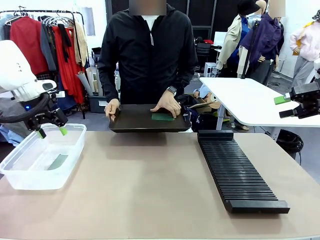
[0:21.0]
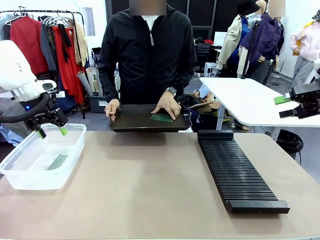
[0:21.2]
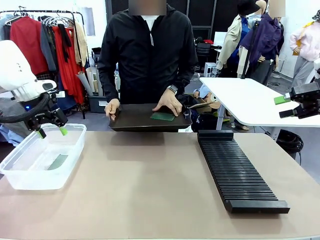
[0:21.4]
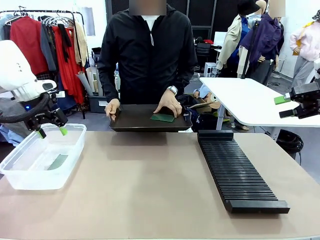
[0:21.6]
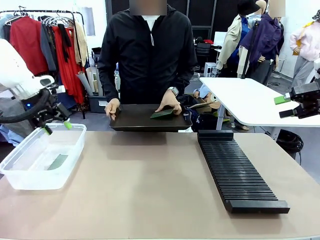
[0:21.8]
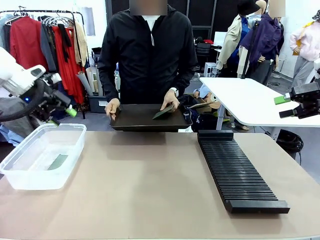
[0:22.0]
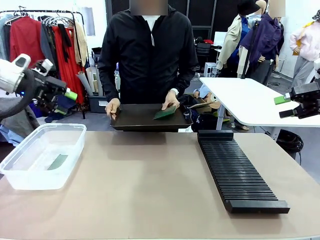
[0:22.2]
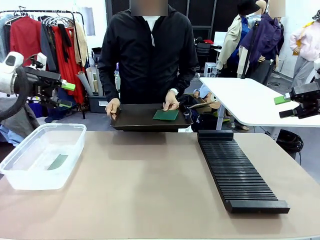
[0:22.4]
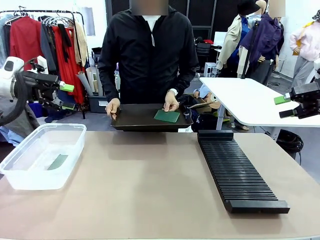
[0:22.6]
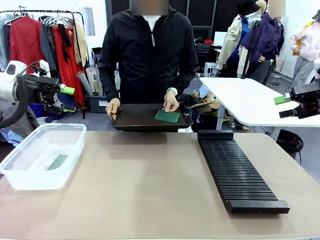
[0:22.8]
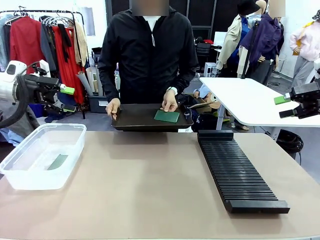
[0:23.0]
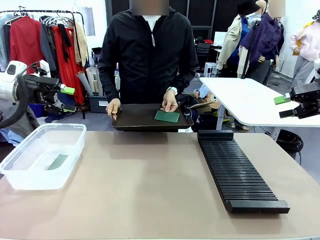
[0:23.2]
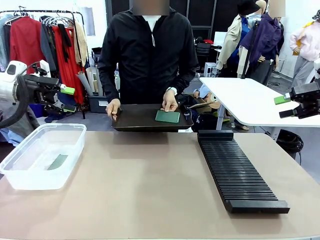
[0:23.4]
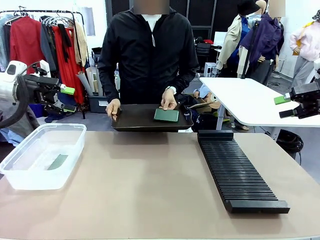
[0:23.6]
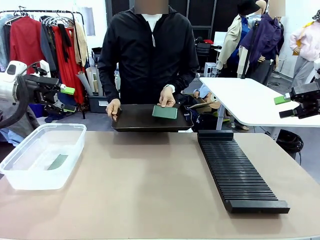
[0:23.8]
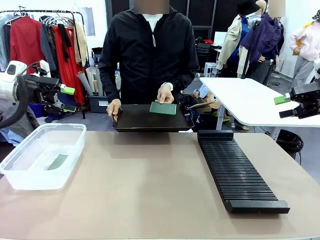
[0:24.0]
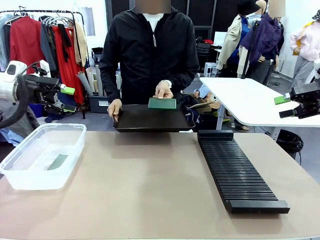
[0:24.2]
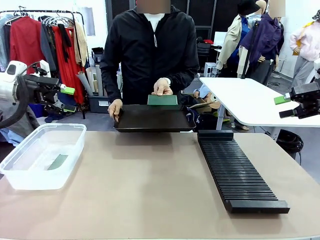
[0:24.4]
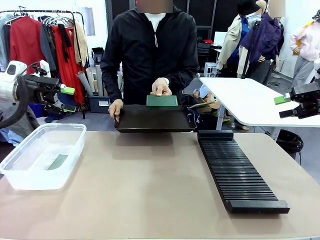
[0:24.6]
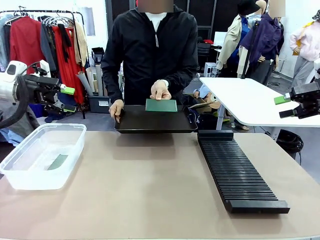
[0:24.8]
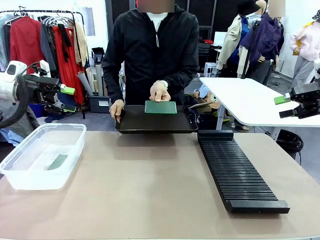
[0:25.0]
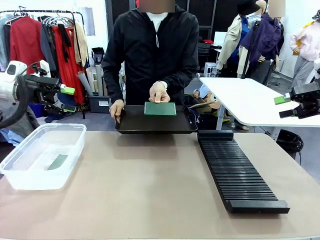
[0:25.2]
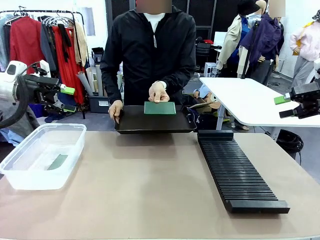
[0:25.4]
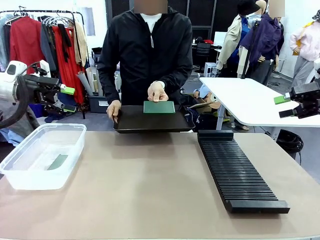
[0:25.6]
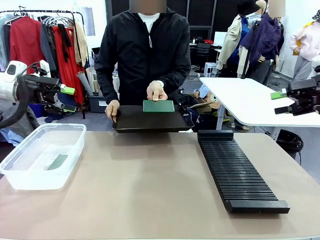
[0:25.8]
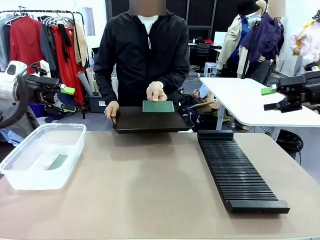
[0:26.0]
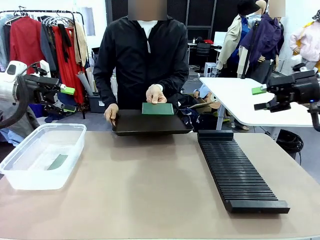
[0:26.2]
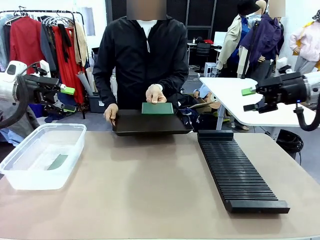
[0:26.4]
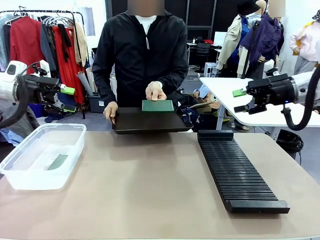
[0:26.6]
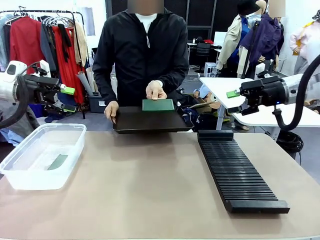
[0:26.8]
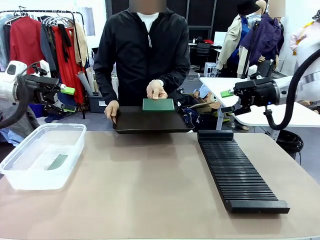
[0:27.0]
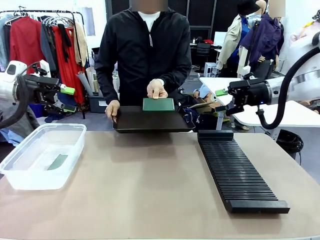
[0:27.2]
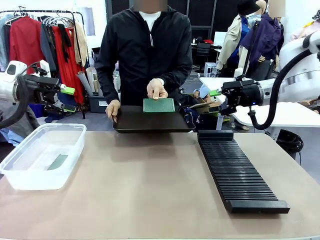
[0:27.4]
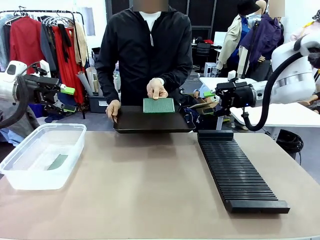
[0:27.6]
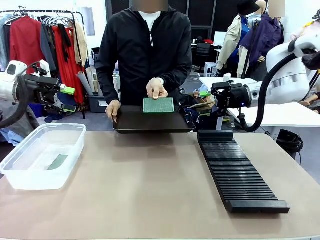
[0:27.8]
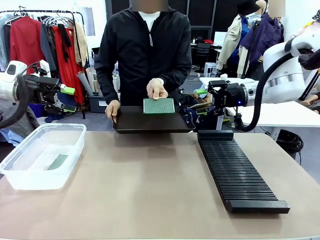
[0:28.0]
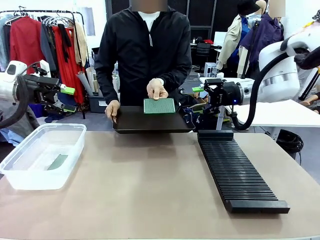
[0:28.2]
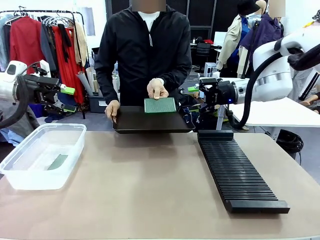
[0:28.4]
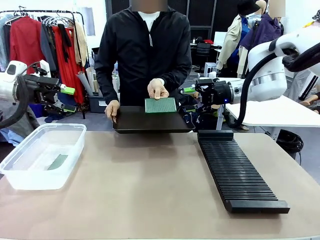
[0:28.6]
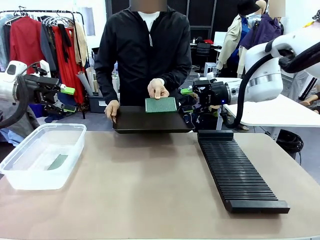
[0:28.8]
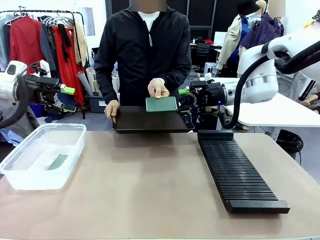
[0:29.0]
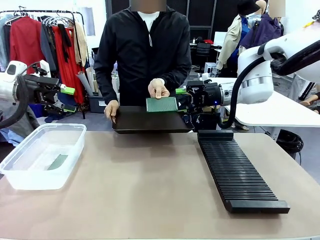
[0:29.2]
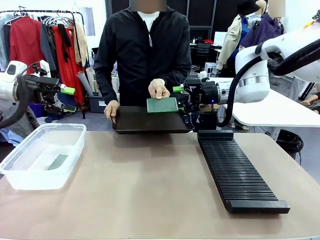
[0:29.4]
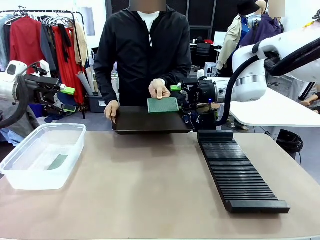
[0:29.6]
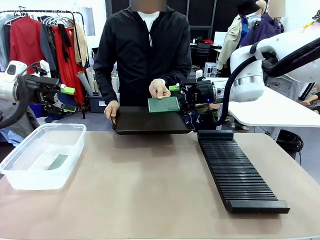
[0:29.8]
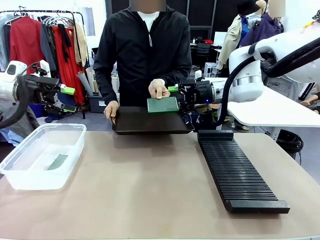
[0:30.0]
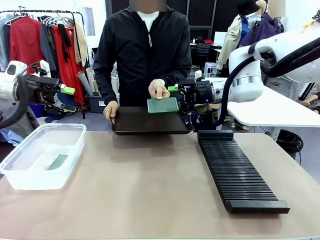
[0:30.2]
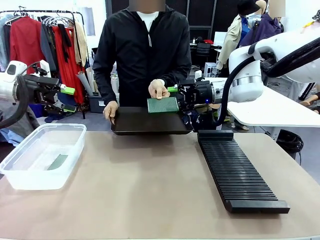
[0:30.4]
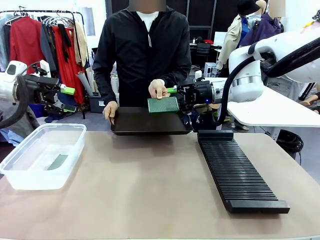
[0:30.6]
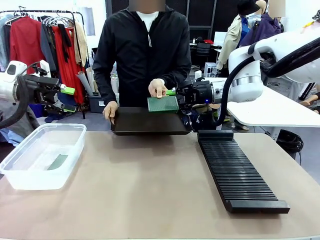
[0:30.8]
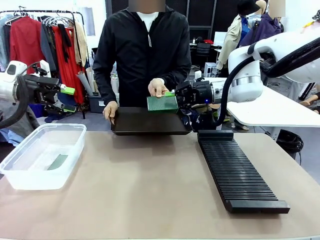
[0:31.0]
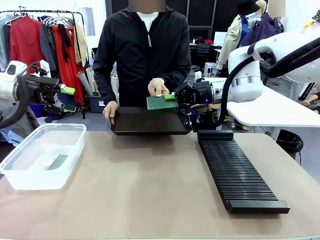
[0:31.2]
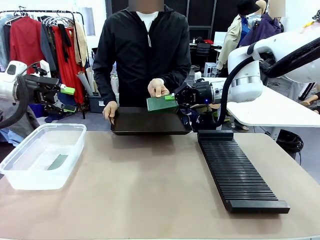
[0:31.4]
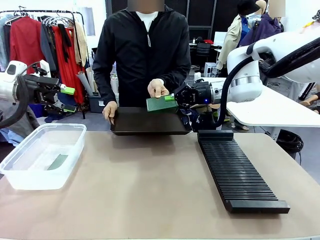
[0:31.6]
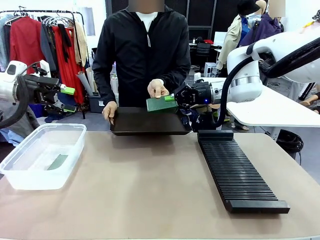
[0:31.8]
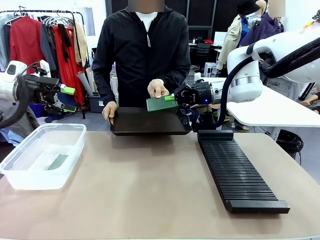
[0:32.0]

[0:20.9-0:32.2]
Task: Sort PCBs into racks and boxes based on the side picked up.
Robot: Pick up the Blank PCB handed by the Human.

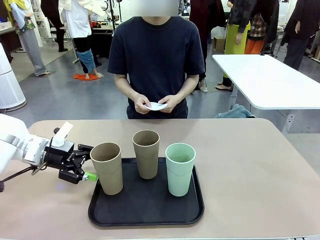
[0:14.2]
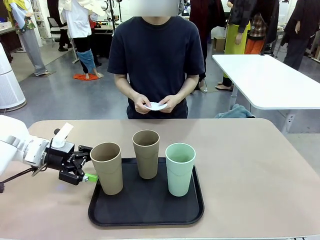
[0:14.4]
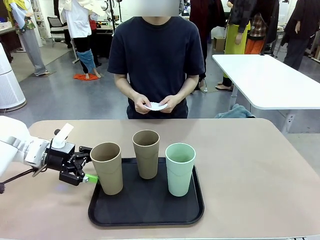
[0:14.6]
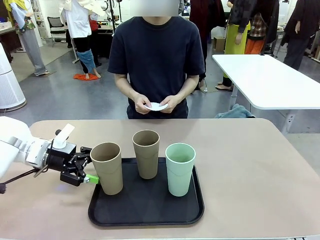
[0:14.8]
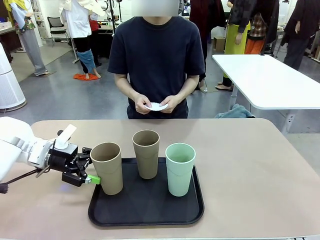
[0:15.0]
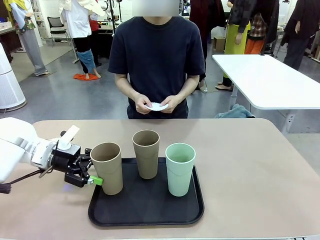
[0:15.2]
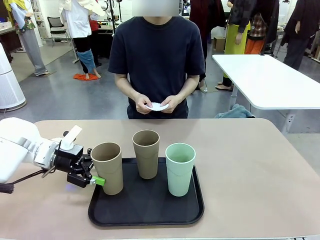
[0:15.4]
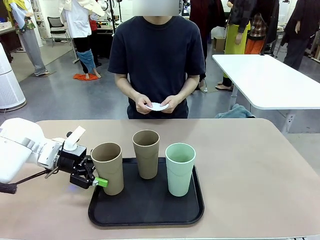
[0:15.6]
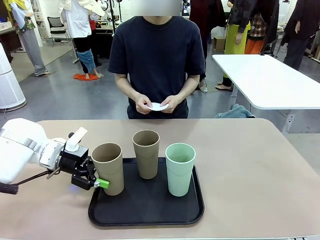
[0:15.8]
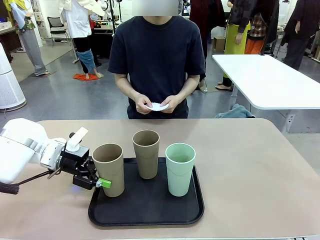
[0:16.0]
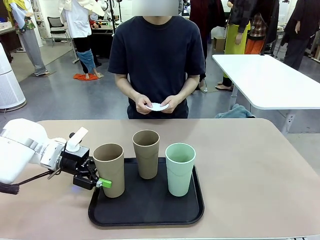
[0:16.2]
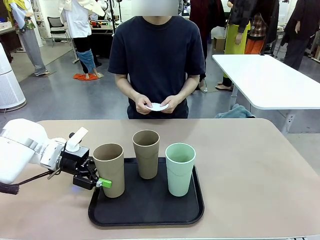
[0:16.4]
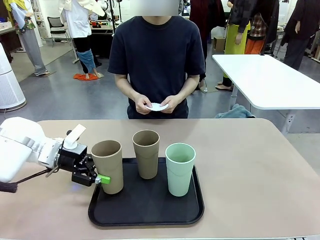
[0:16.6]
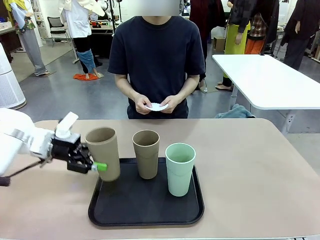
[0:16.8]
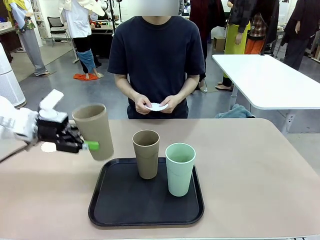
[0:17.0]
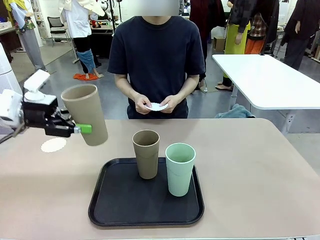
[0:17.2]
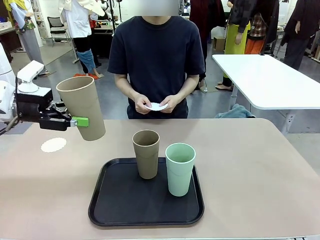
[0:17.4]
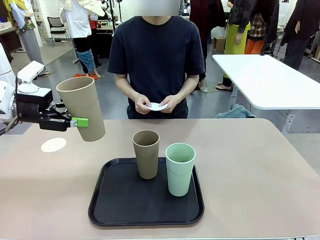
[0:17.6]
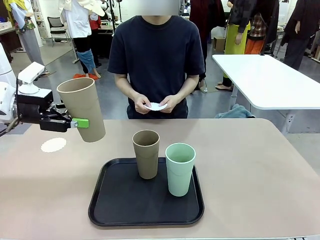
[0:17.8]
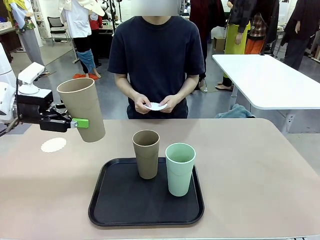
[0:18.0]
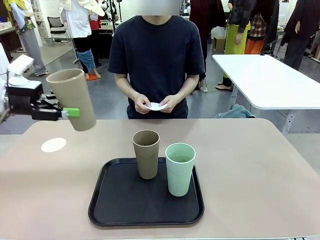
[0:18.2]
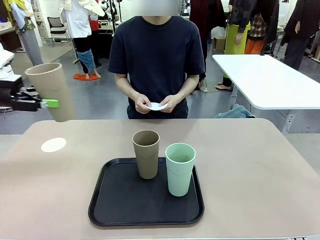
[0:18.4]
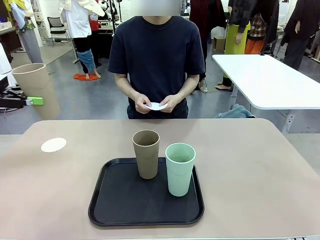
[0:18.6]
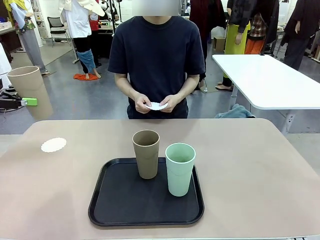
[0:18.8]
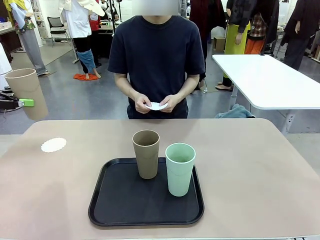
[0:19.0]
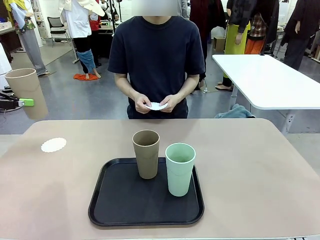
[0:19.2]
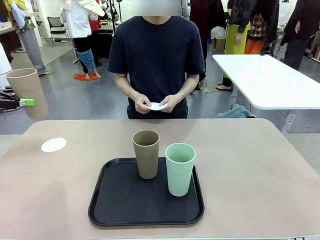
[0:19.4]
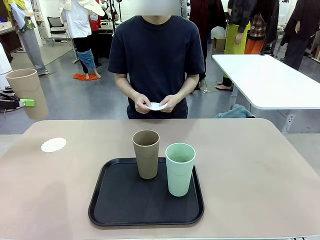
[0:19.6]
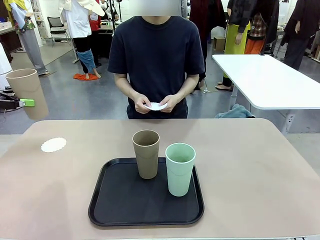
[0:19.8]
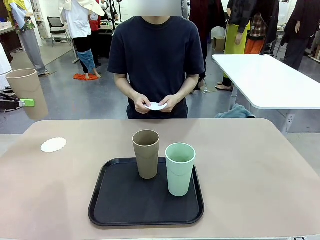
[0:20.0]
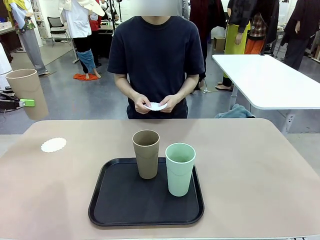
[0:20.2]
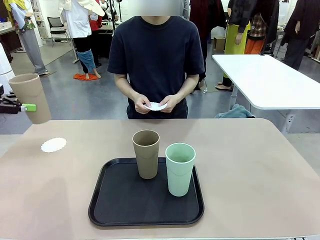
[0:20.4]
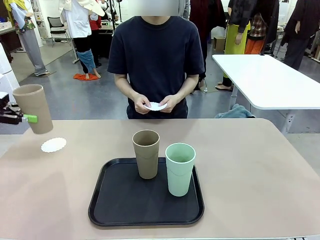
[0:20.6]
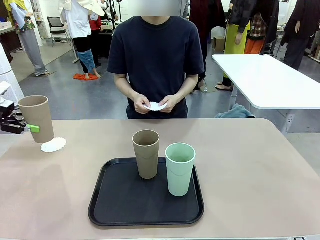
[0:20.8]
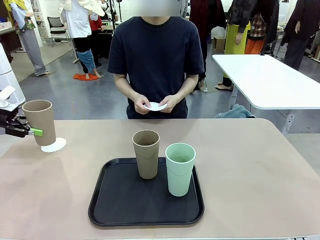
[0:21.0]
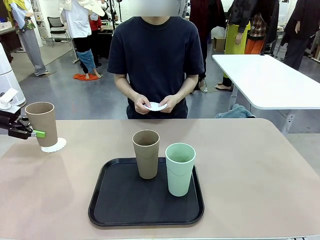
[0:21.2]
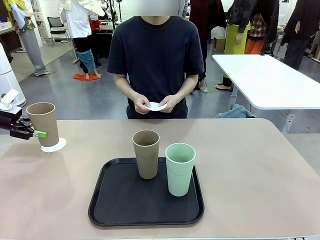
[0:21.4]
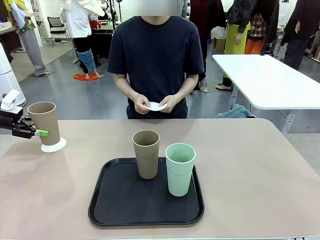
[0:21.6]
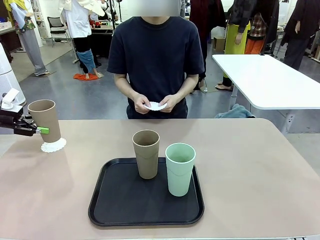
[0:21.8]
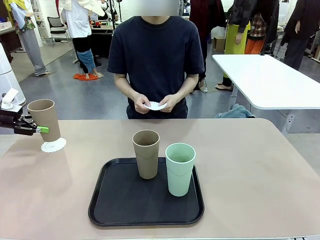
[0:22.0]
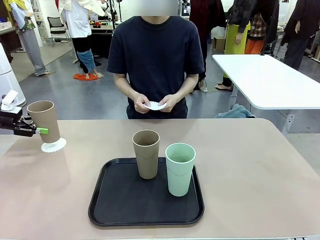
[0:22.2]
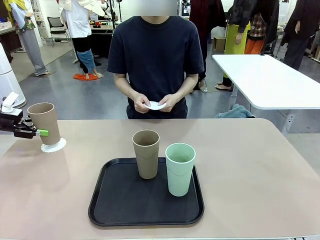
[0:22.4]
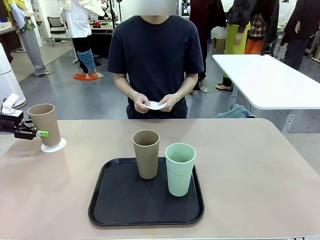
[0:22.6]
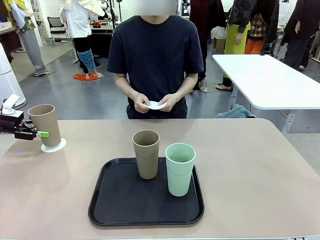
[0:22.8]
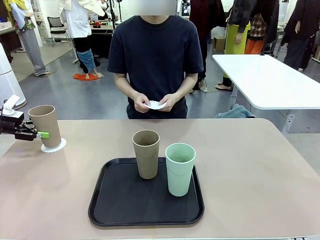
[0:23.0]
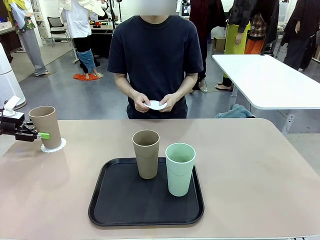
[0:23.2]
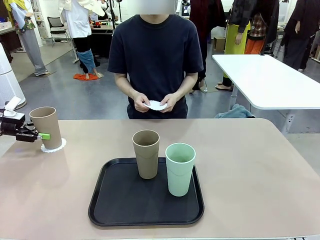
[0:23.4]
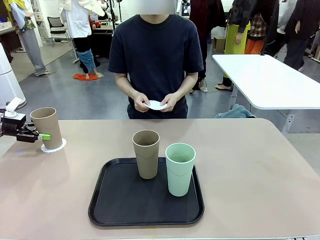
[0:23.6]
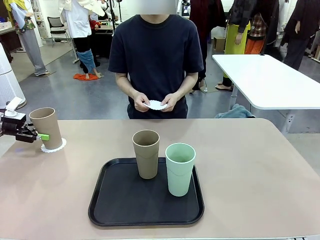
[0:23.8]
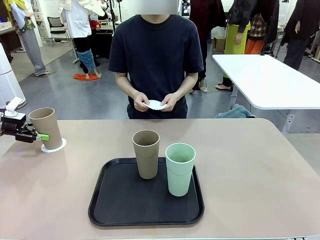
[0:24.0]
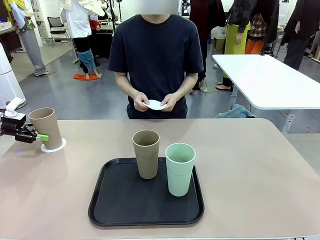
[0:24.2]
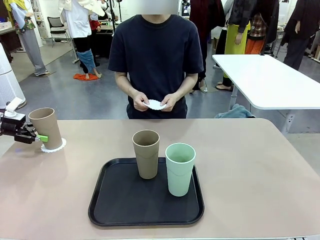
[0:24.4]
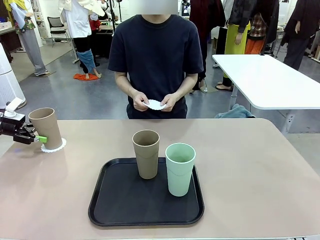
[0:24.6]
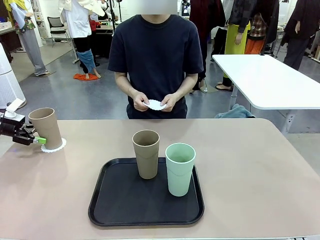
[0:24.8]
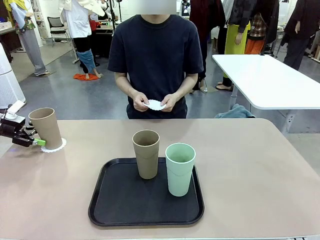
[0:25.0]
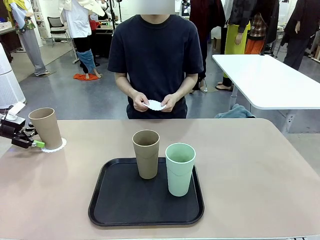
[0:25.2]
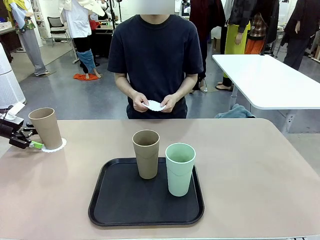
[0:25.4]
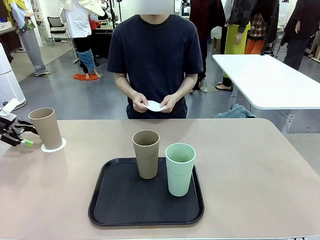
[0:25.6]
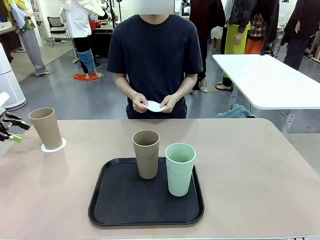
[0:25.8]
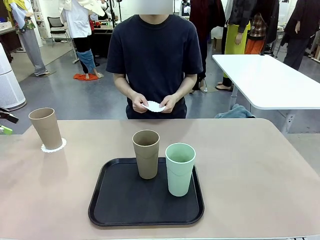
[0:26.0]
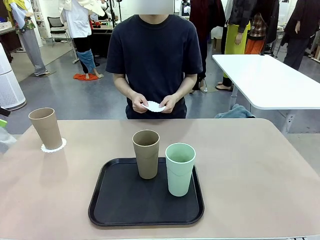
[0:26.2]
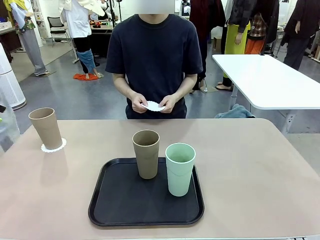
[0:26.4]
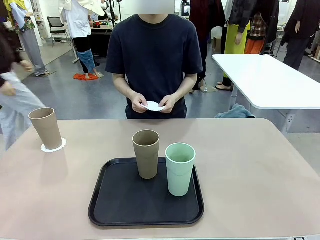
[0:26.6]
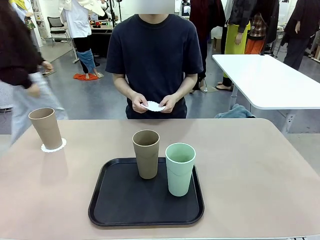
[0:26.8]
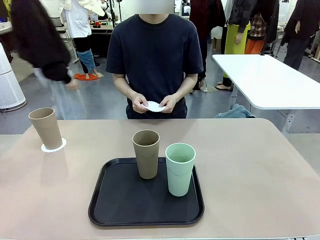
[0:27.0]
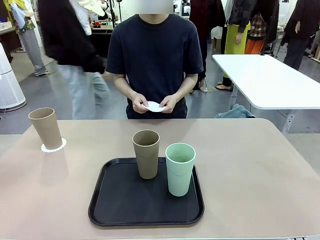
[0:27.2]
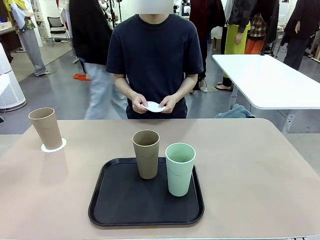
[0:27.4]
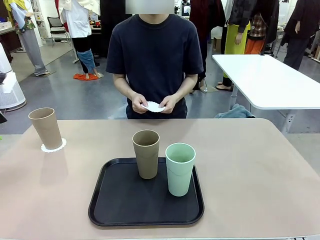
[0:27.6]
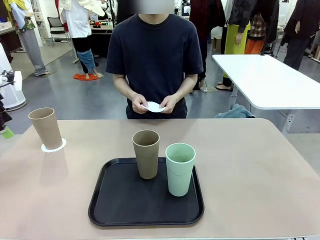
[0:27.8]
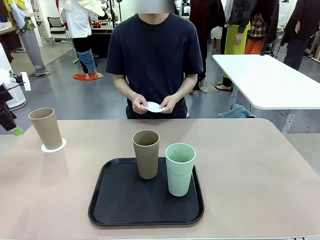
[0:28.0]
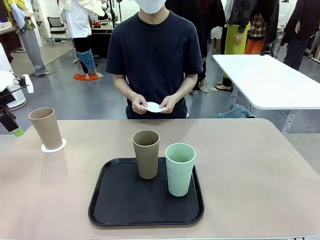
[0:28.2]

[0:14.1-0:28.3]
Task: Place coasters on the table and set cups on them.
Robot: Pick up one Reusable plastic cup and place it on a coaster set by the human.
Person: Place one coaster in one of the two areas excluding the previously selected area.
